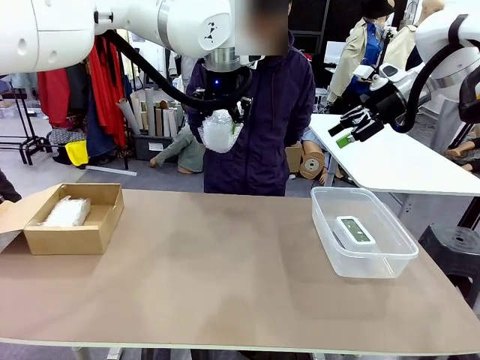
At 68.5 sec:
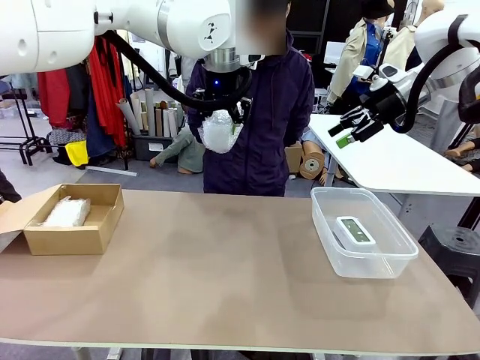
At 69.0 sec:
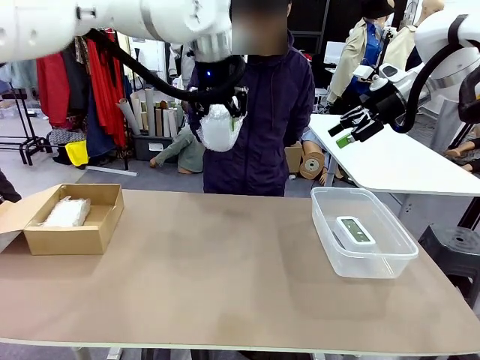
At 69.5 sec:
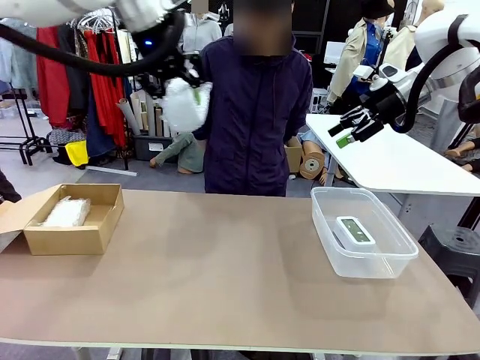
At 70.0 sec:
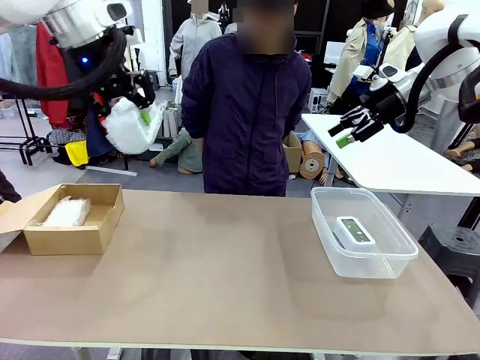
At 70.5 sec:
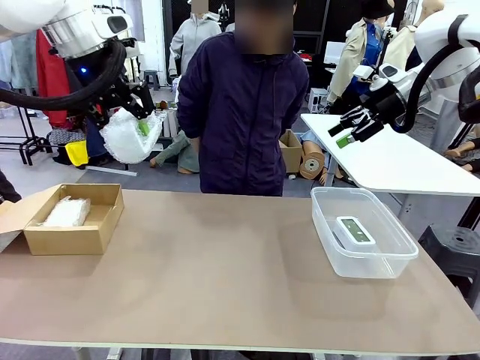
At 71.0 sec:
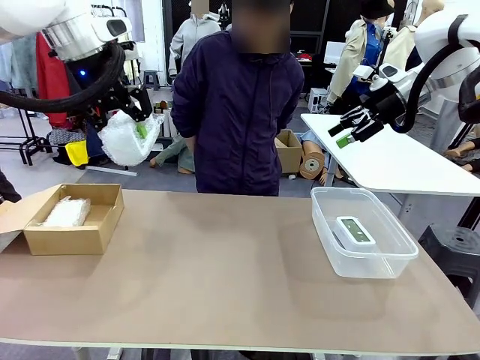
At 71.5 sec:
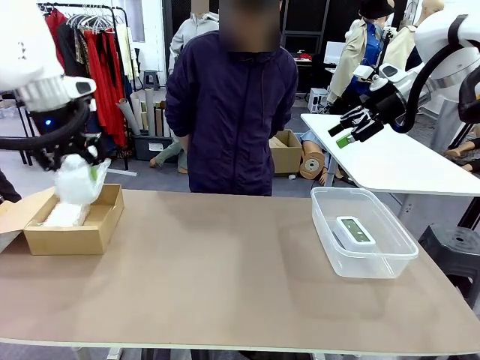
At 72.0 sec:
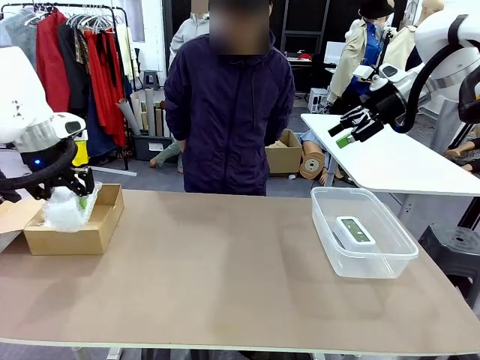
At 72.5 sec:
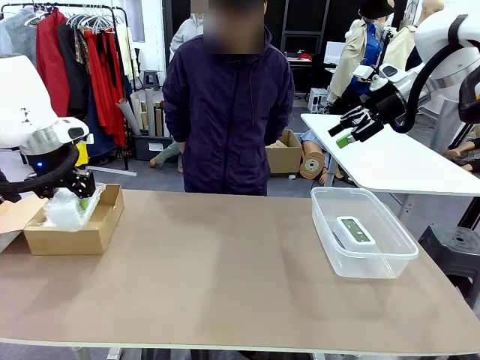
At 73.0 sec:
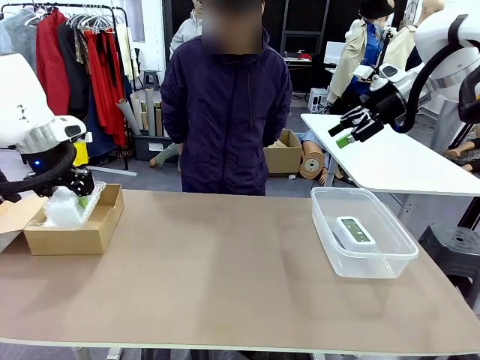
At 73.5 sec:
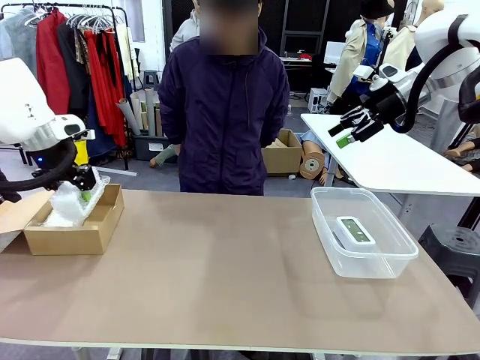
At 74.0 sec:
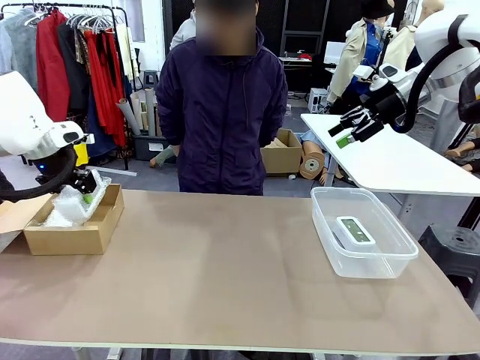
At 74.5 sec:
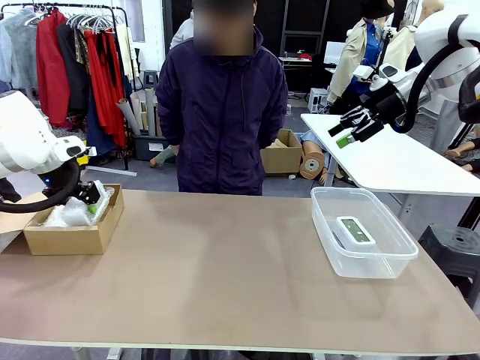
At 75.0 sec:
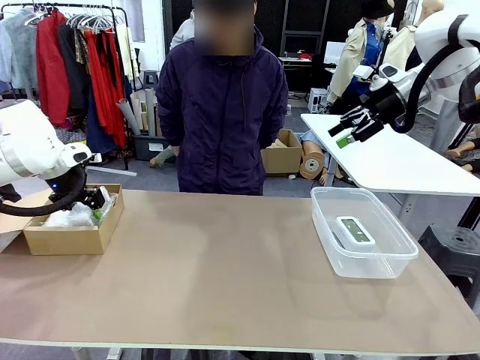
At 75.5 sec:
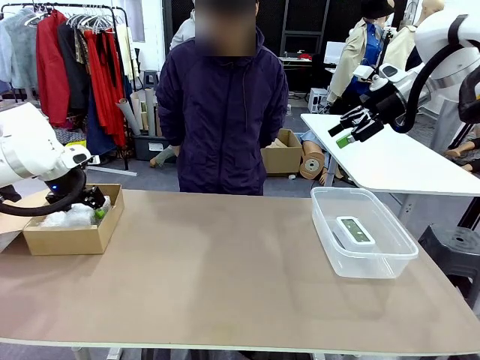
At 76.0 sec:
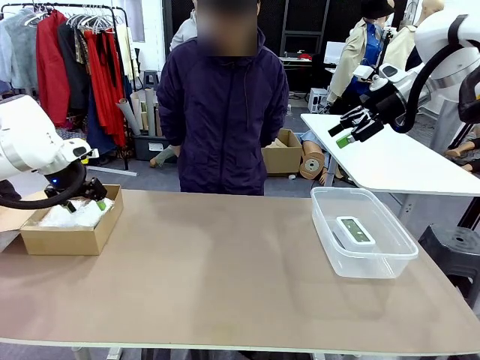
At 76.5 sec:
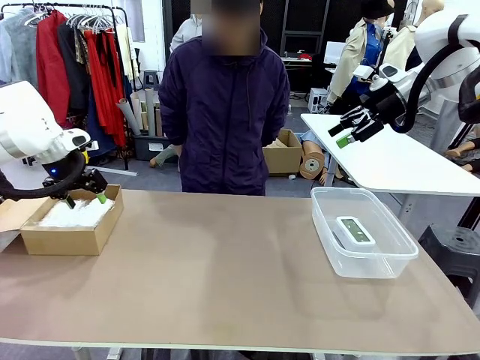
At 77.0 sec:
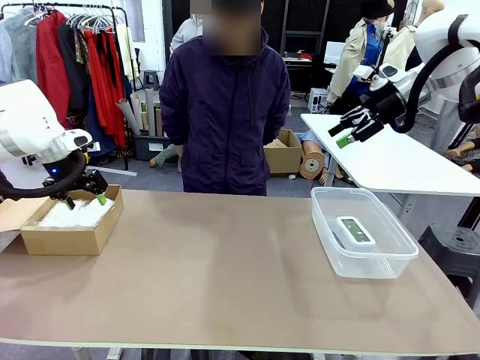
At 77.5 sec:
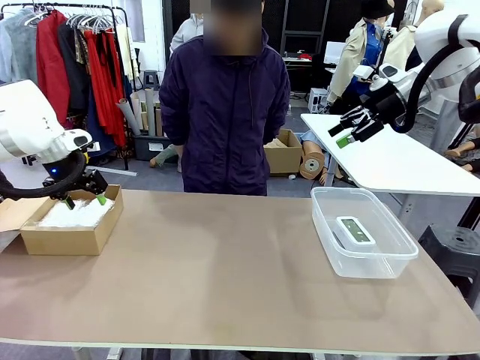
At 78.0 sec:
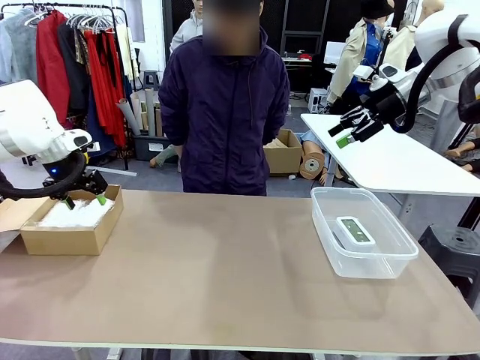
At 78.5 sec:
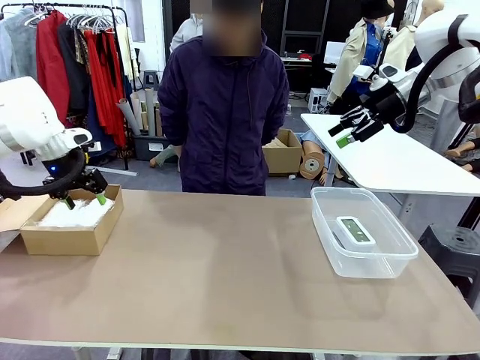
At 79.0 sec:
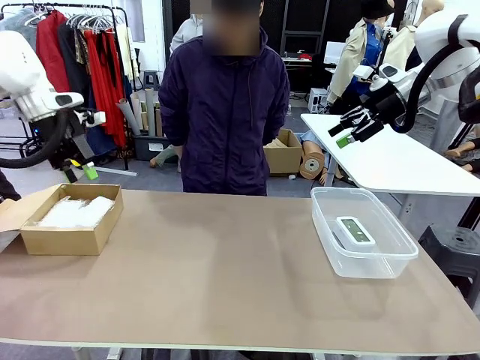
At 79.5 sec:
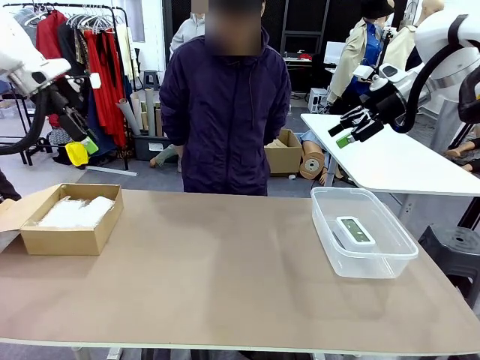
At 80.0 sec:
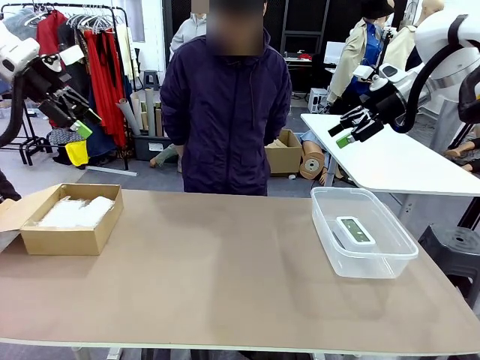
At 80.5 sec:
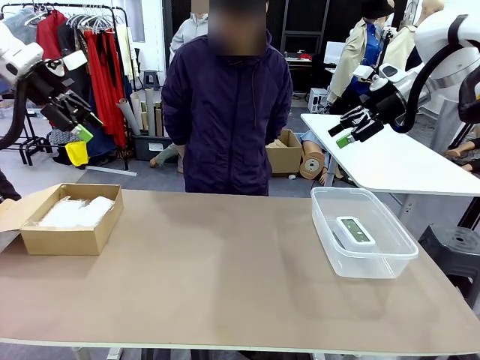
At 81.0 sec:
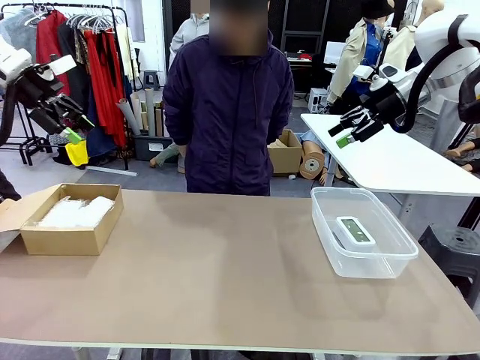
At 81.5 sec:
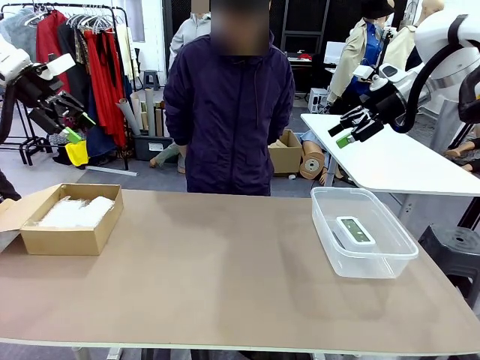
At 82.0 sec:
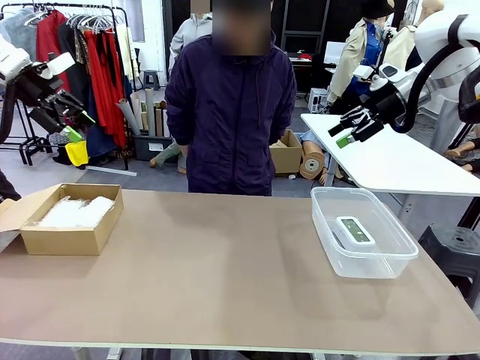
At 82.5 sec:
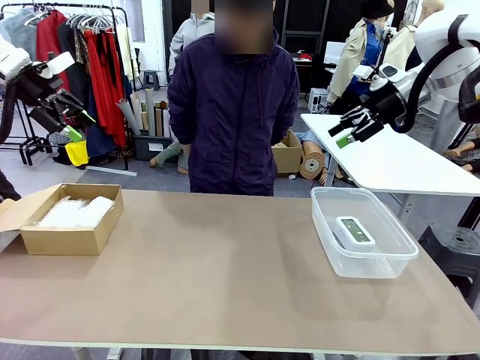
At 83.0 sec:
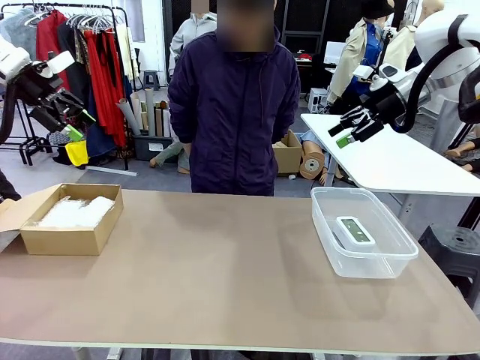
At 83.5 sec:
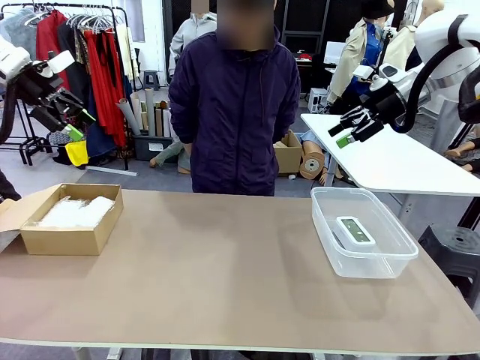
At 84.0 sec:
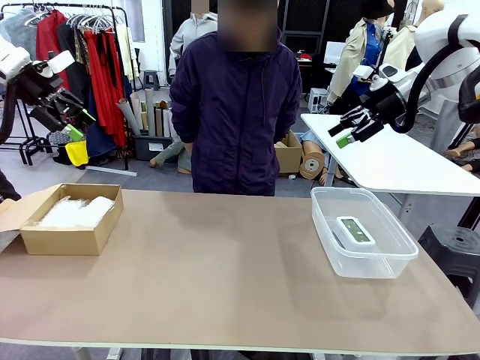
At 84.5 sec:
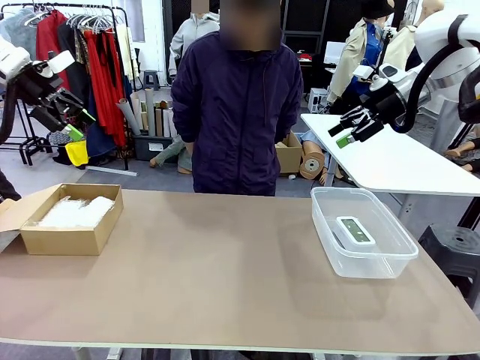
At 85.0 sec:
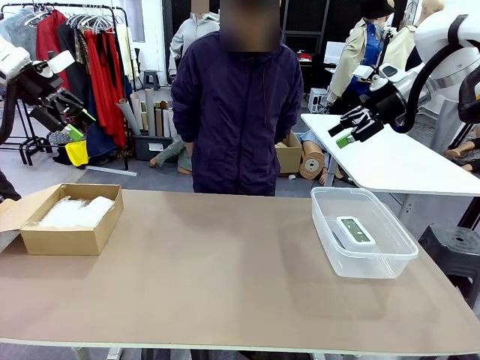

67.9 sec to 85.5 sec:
Task: Separate and place wrapped and unwrapped clocks.
Robot: If the picked Digital clock is wrapped, place it in the Package Box ; if not, place it in the Organizing box.

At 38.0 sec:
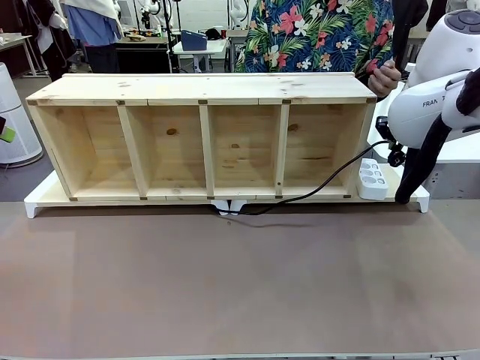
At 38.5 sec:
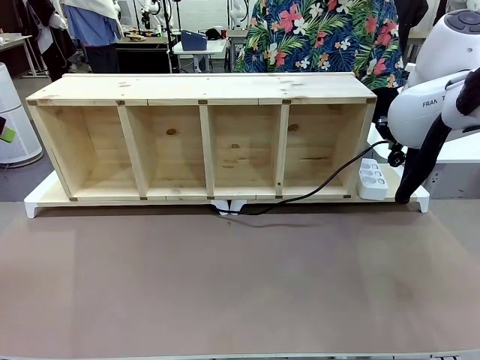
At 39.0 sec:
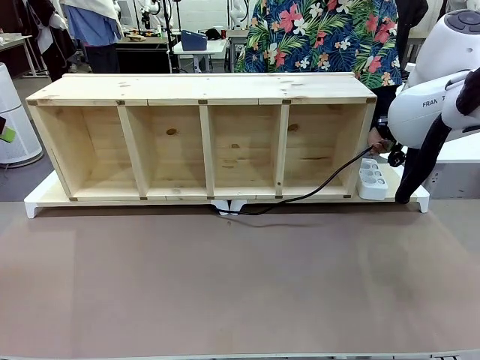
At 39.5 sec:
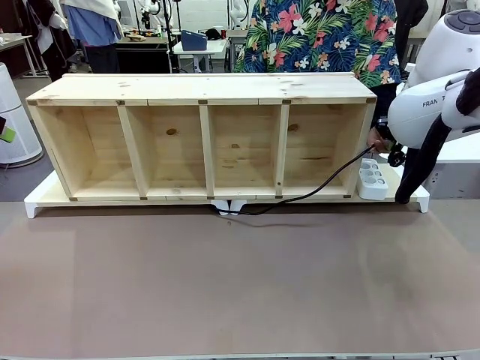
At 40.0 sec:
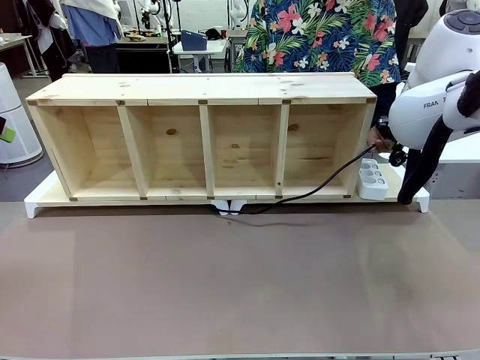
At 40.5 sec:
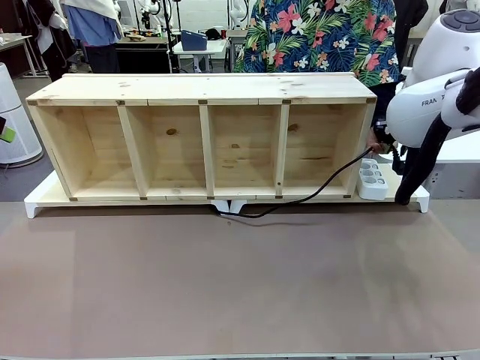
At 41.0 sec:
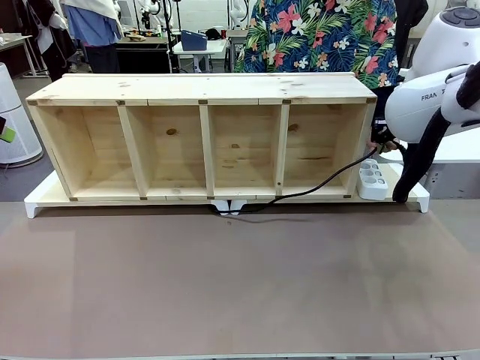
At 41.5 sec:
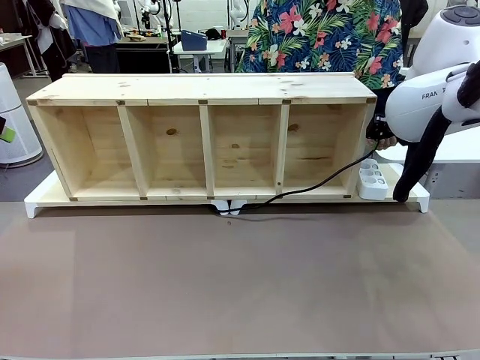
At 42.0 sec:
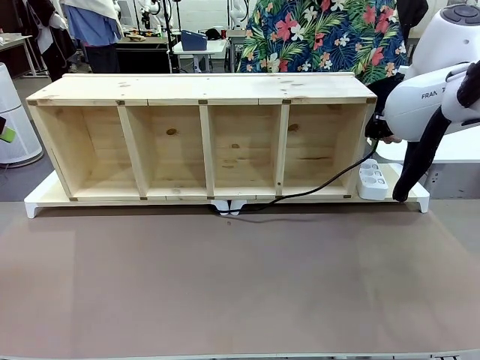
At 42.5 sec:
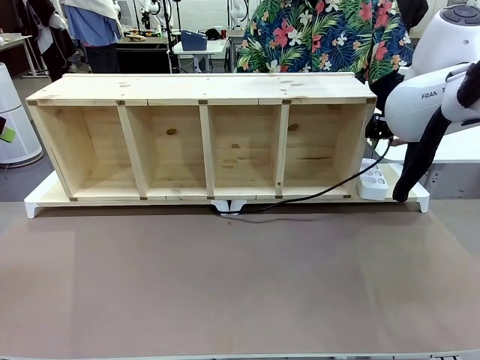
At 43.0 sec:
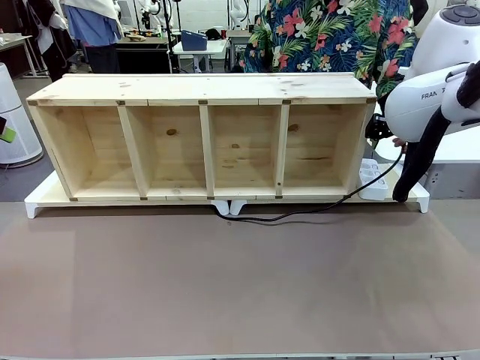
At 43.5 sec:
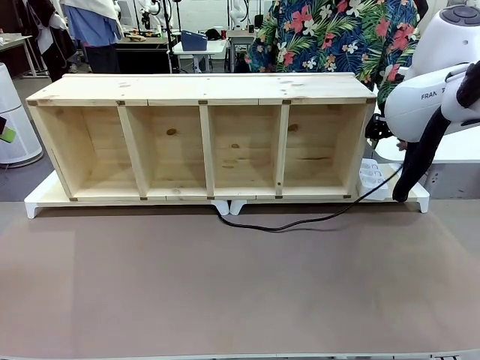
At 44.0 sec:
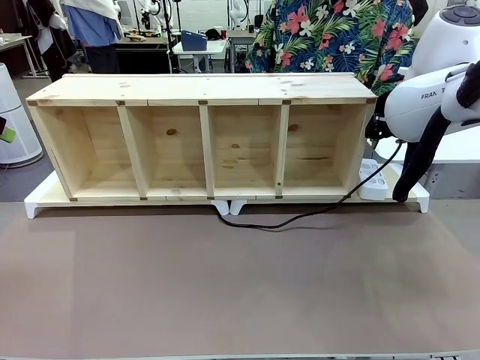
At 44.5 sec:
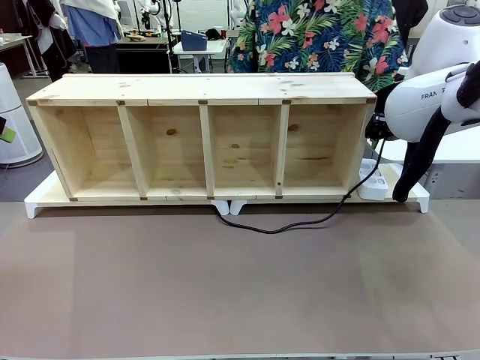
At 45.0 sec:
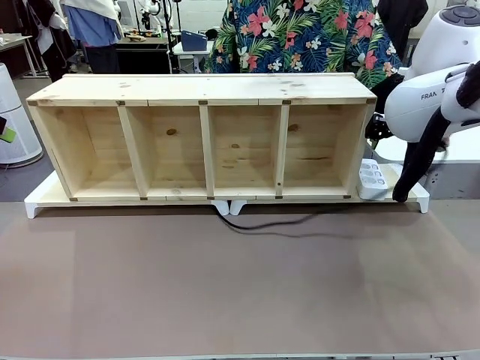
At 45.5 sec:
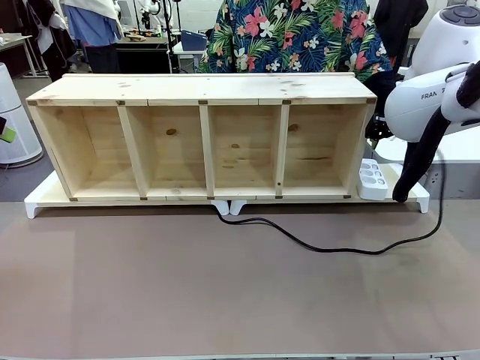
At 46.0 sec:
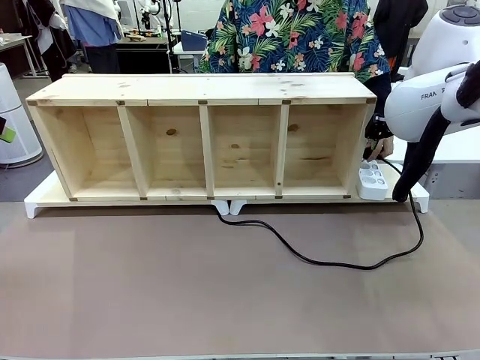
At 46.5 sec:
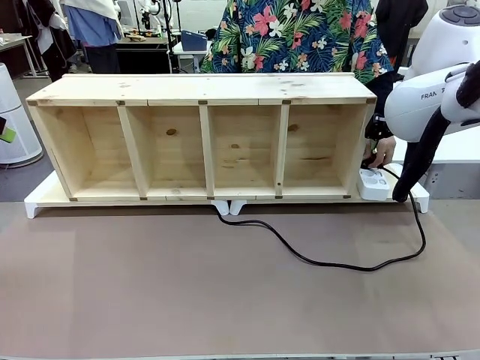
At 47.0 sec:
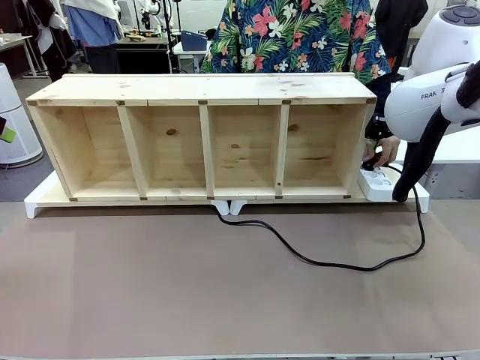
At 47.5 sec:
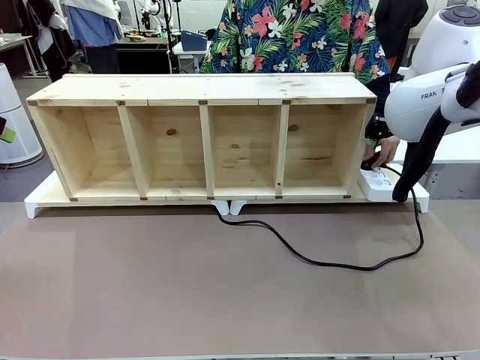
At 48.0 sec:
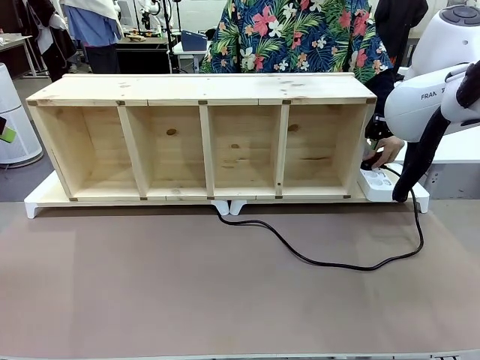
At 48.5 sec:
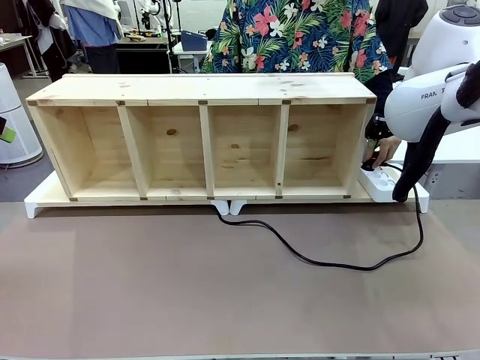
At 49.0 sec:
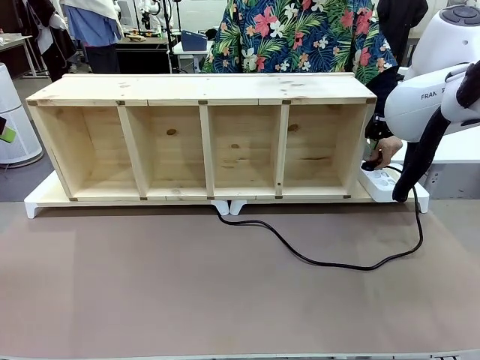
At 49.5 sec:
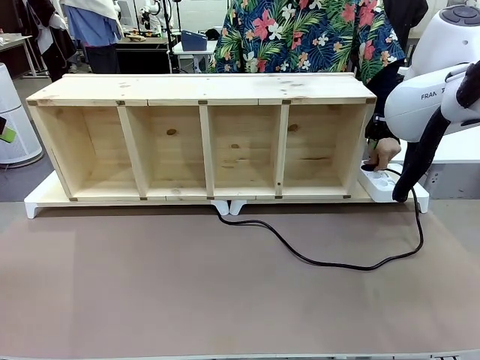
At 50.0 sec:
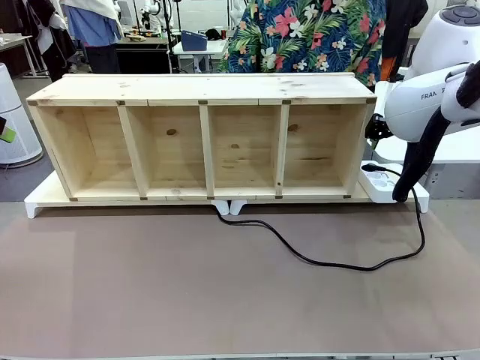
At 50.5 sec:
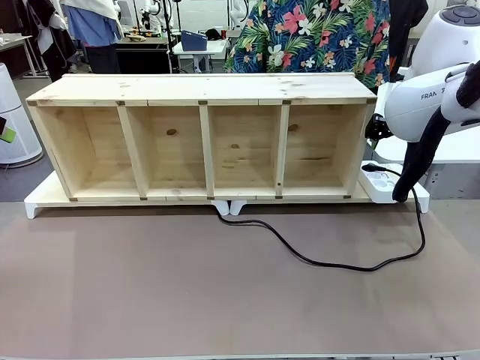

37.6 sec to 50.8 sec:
Task: Perform cable management.
Robot: Release the Power Cable when the human grasps it.
Person: Plug the Power Cable into the Power Strip.
